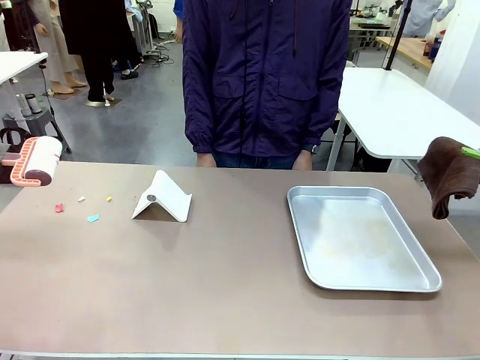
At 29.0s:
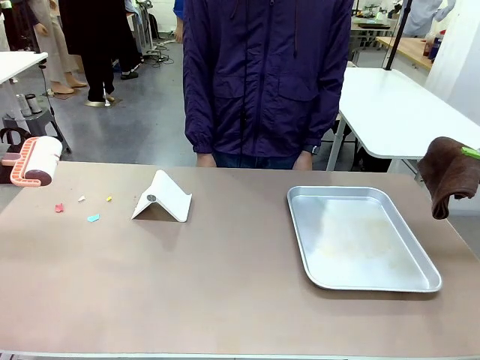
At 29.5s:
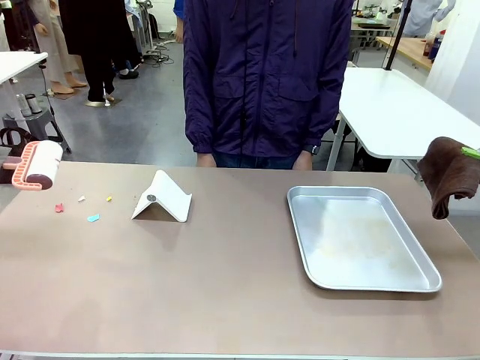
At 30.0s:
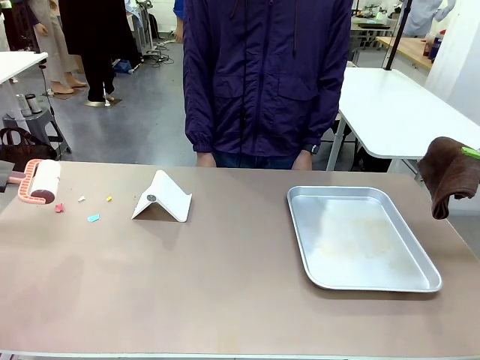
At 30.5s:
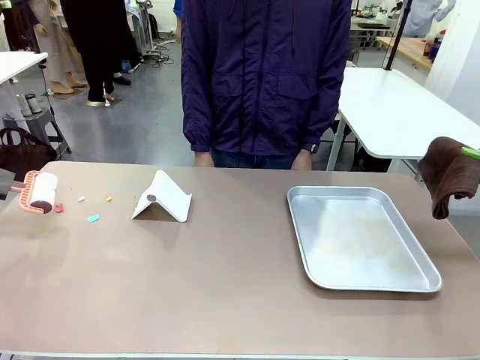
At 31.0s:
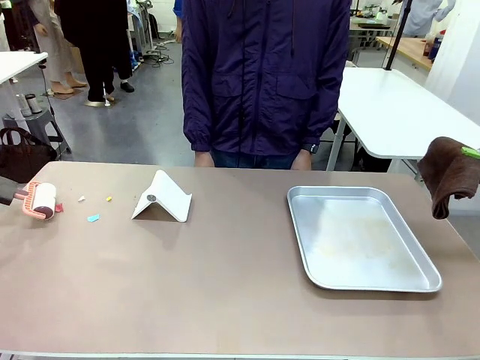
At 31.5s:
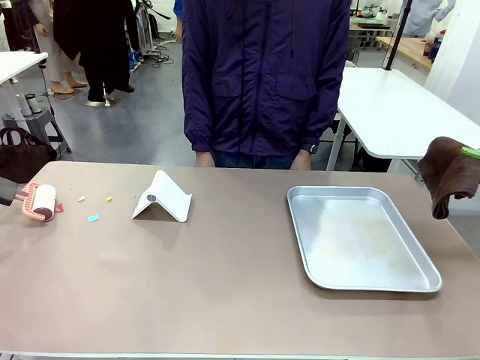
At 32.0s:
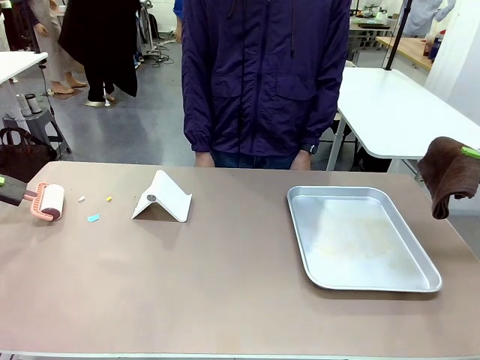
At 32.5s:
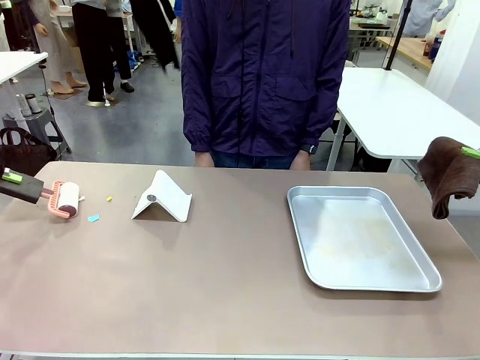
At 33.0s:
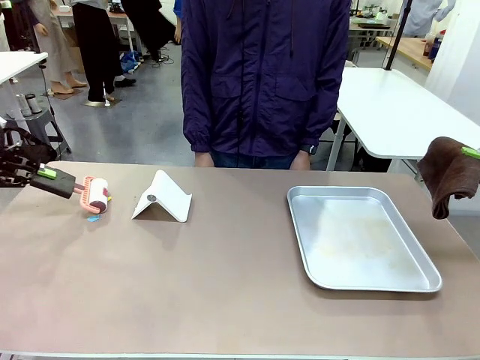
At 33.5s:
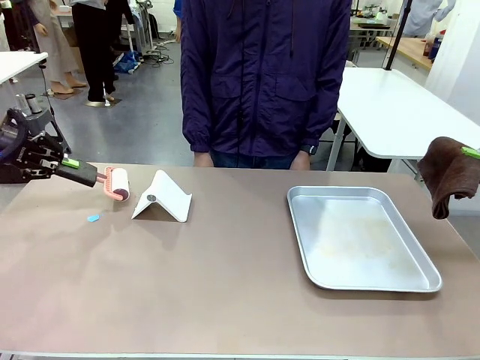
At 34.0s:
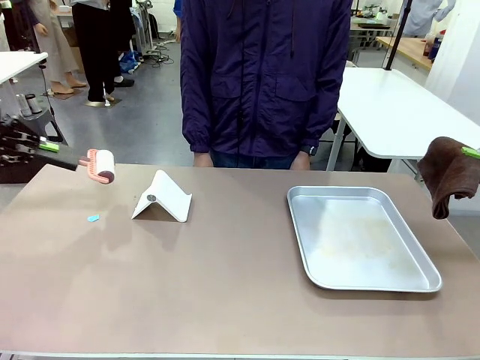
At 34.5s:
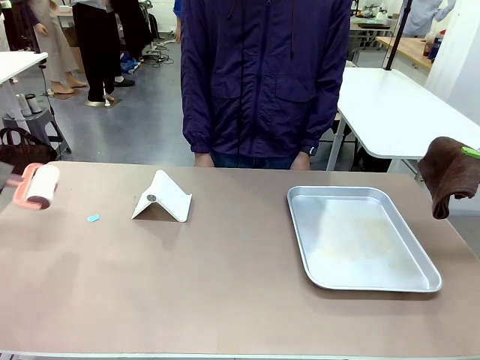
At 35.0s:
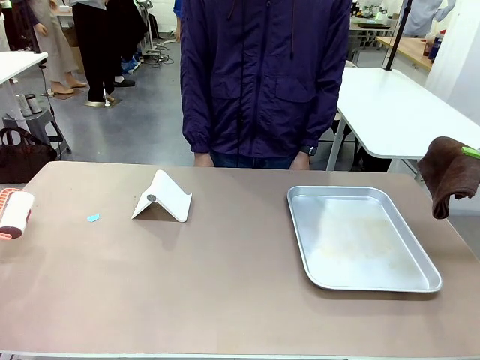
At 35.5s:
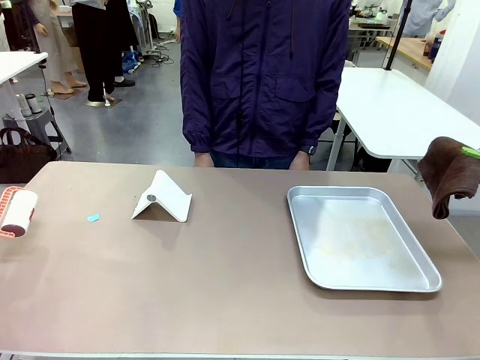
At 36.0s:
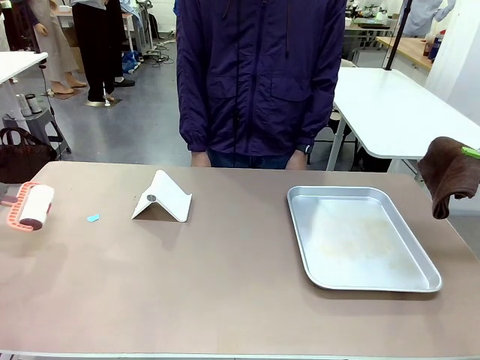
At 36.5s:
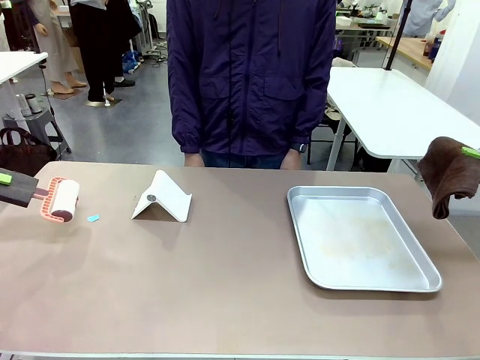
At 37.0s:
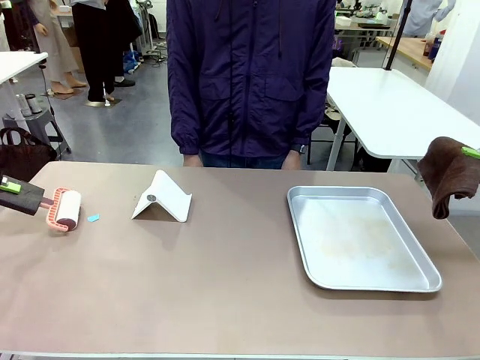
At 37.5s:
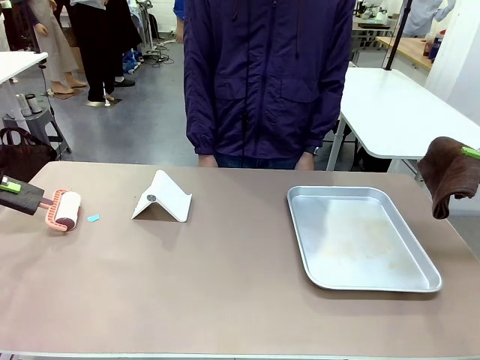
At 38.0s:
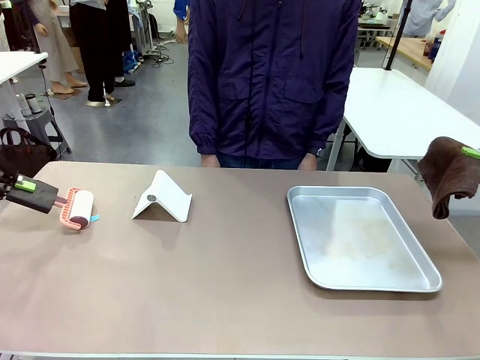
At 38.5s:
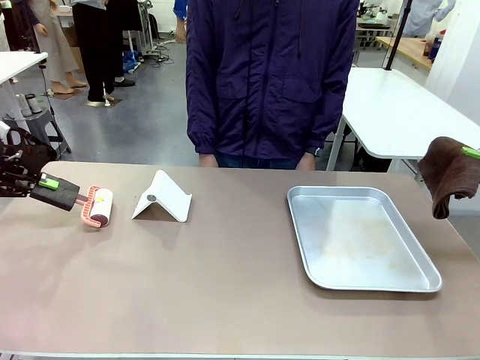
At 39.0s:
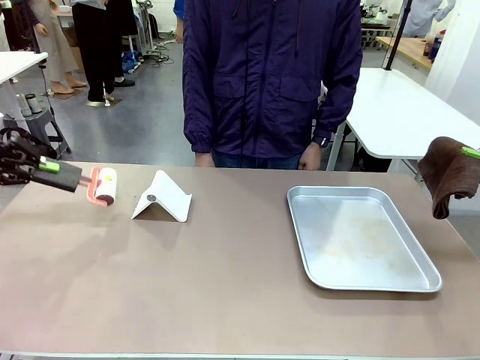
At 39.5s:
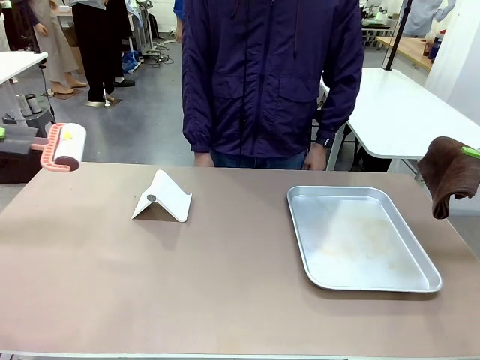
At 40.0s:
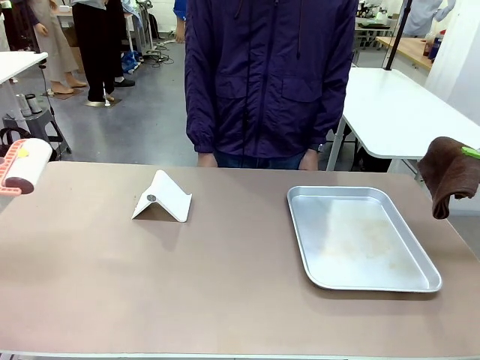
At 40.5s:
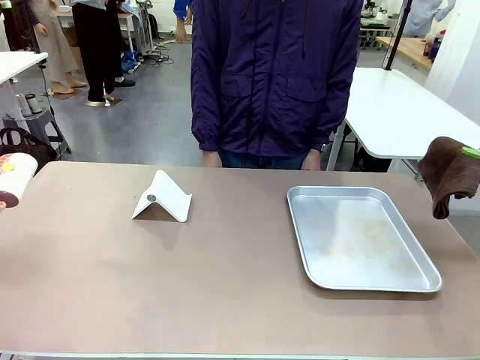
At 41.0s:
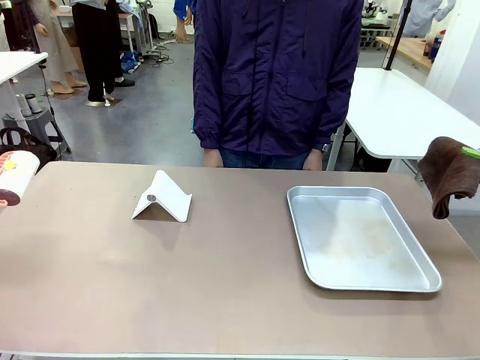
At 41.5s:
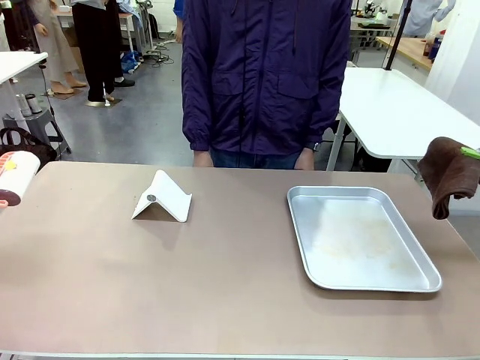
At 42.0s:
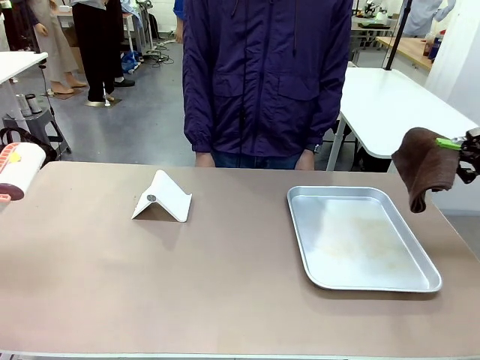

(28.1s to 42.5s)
Task: Clean the surface of the table.
Robot: Clean the area not pointed to by the person.

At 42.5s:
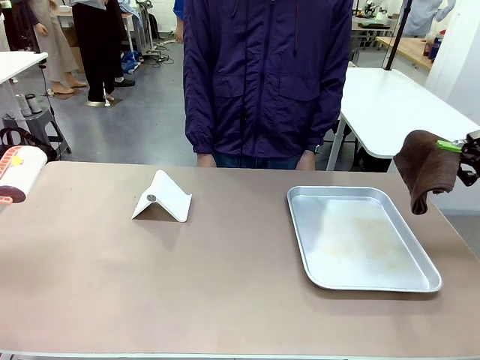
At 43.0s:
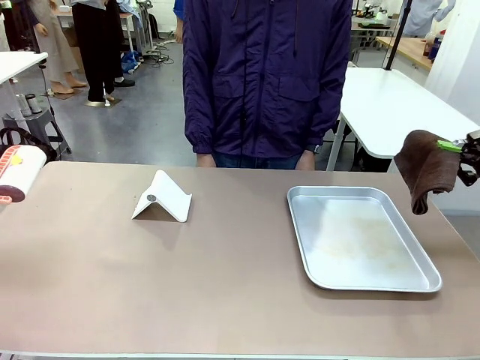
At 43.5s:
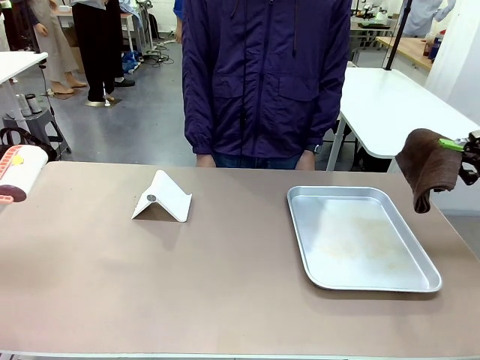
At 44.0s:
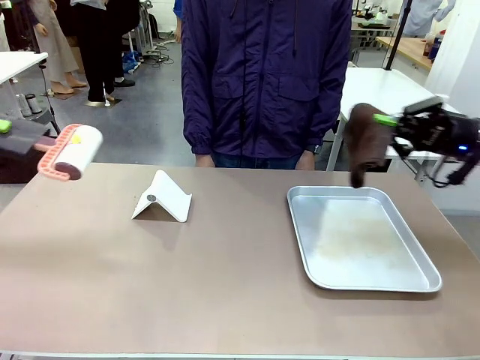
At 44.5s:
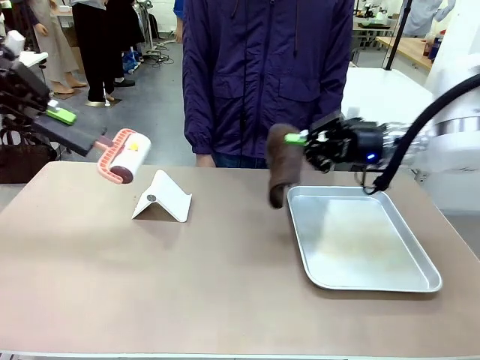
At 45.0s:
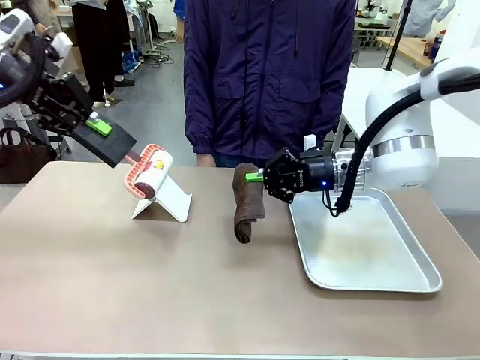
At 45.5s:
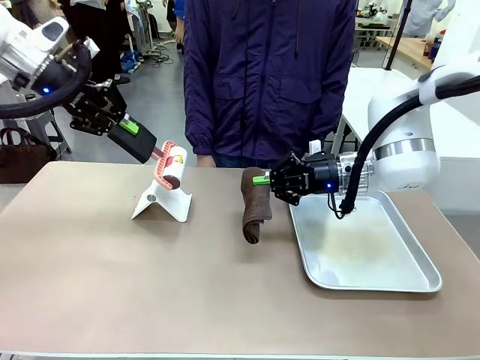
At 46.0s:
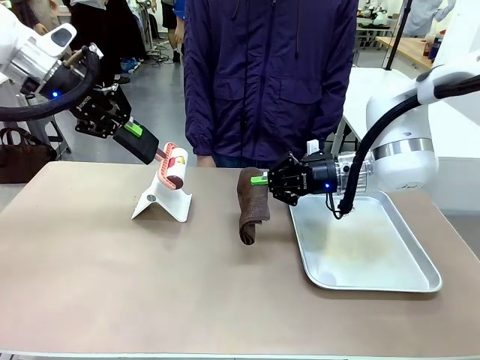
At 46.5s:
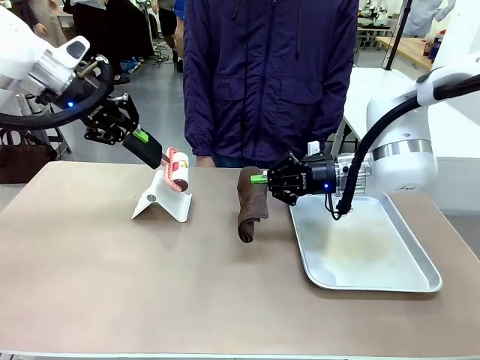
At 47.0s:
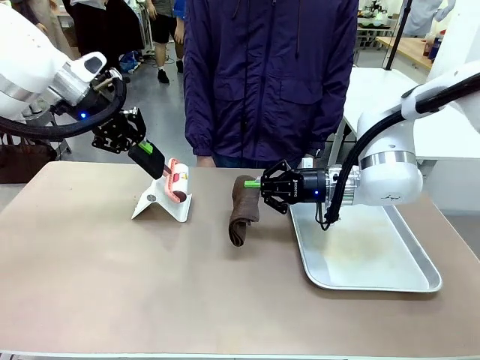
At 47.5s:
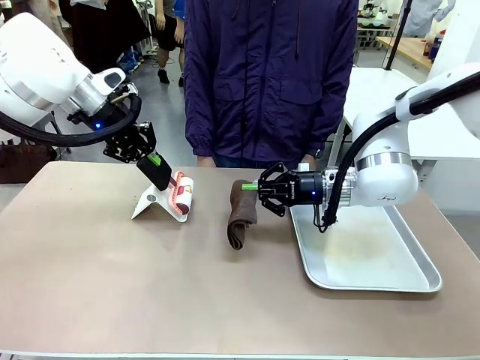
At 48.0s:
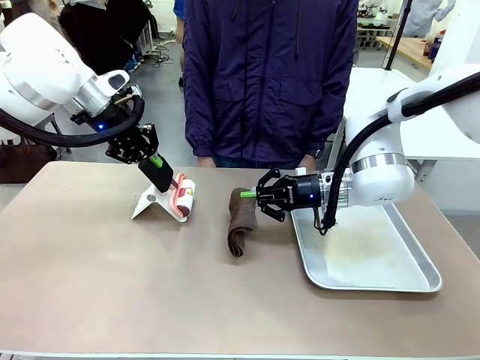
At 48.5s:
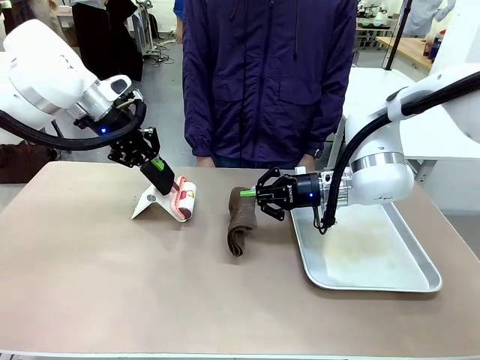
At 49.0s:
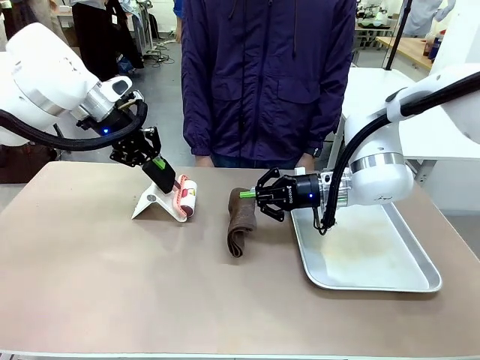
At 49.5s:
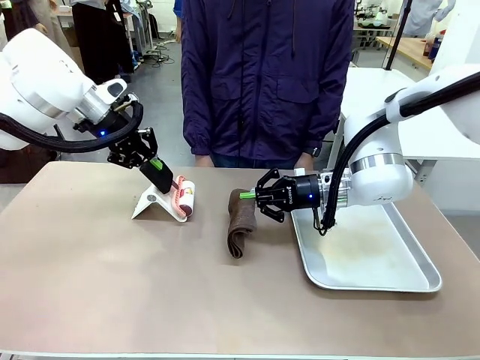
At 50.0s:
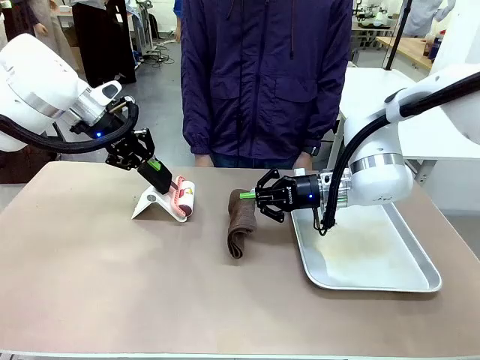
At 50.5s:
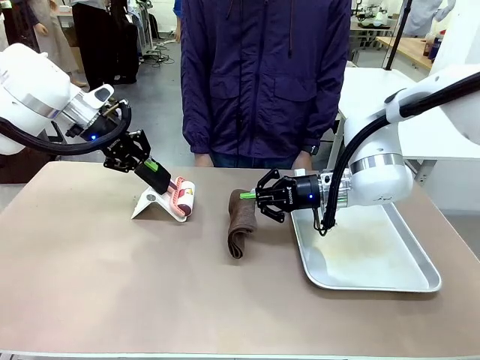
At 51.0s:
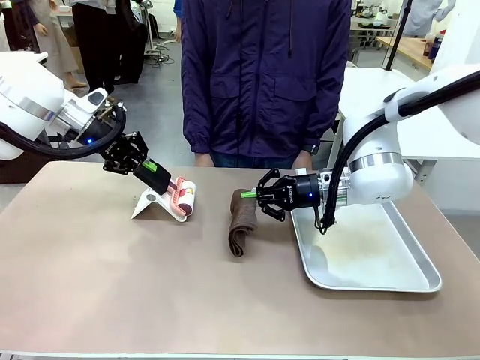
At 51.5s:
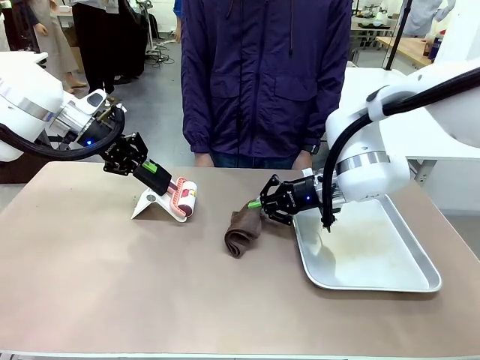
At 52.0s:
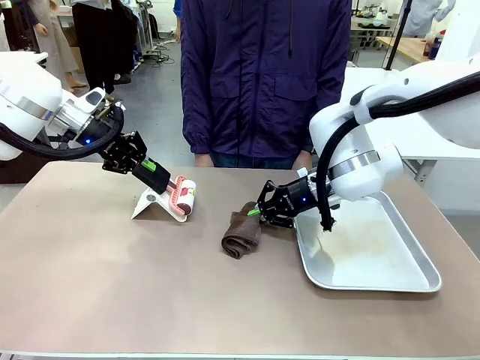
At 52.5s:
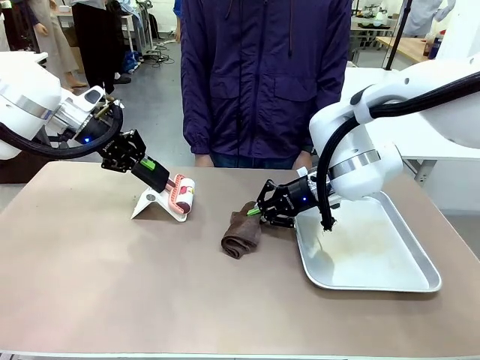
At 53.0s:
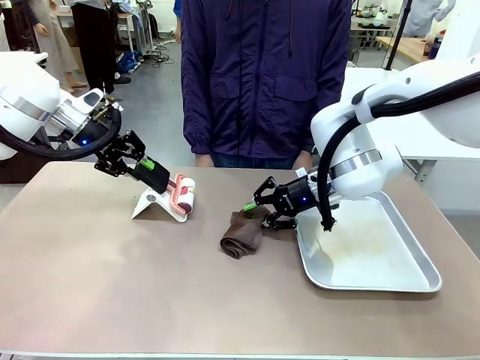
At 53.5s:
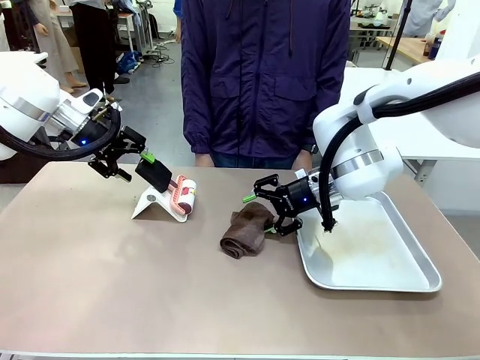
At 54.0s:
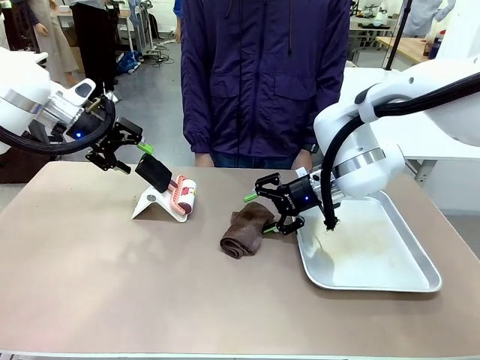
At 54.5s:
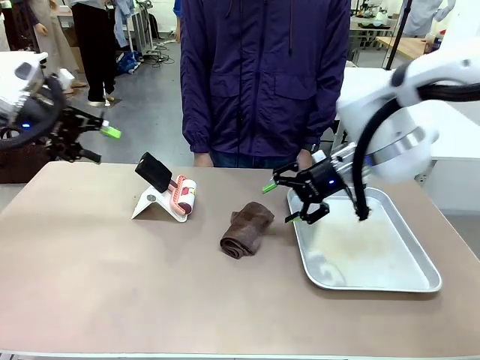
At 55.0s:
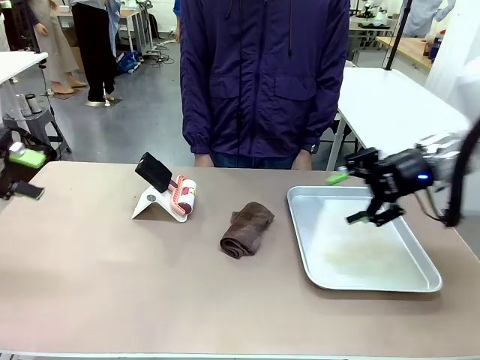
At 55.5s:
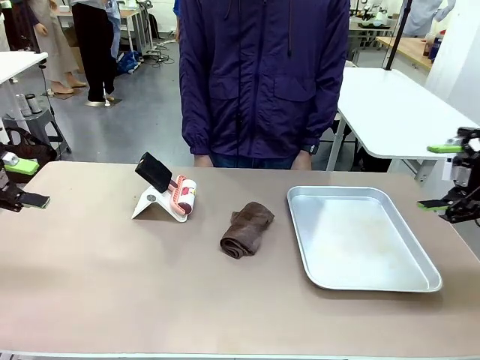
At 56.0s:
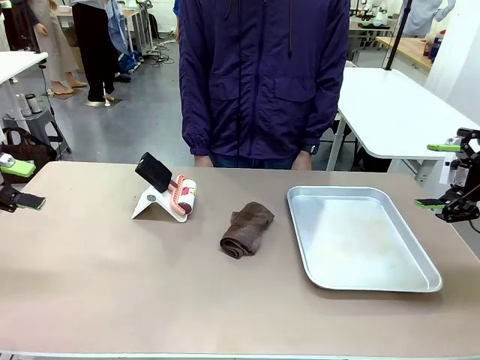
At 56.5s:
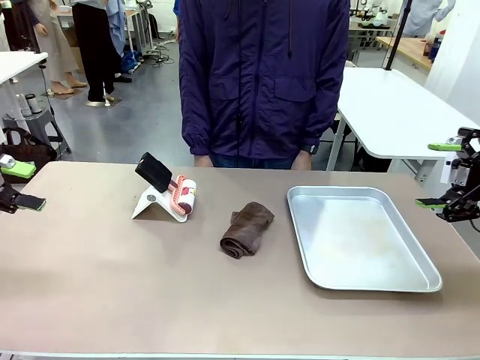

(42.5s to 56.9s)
Robot: Return the Lint Roller and towel to their original positions.
